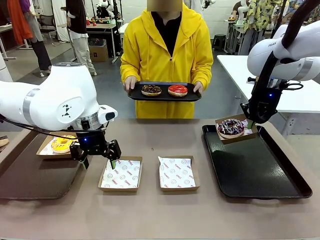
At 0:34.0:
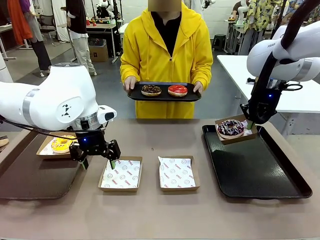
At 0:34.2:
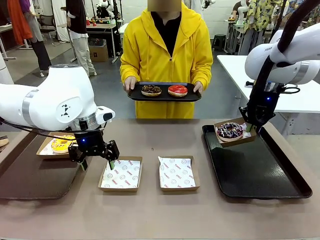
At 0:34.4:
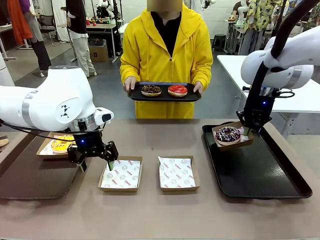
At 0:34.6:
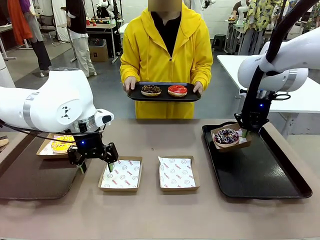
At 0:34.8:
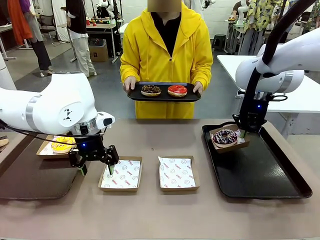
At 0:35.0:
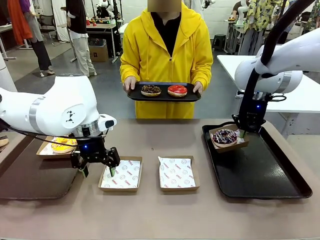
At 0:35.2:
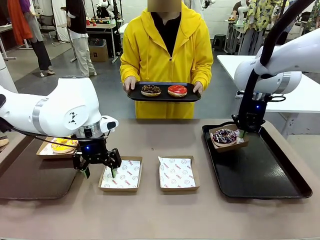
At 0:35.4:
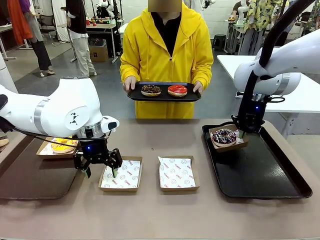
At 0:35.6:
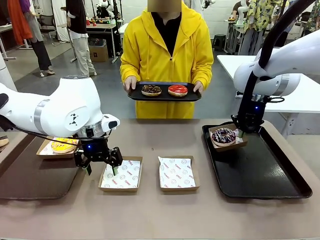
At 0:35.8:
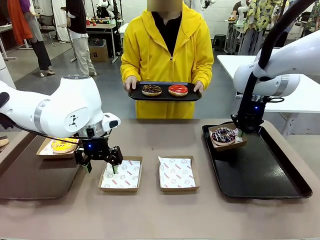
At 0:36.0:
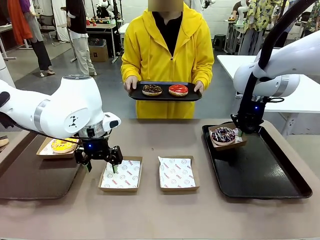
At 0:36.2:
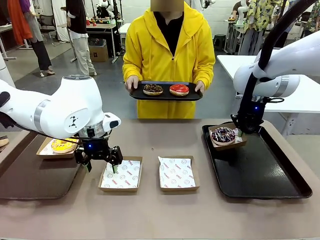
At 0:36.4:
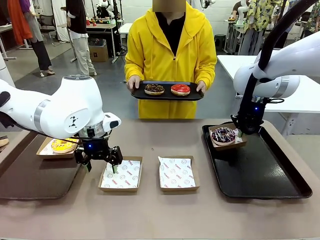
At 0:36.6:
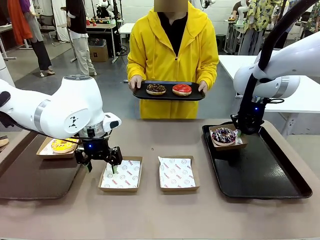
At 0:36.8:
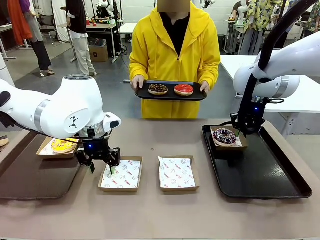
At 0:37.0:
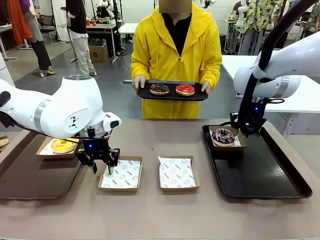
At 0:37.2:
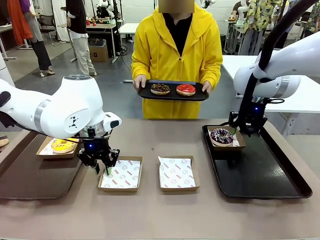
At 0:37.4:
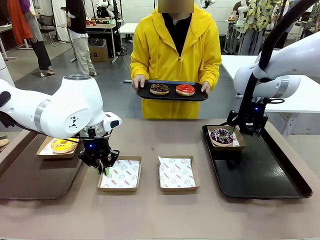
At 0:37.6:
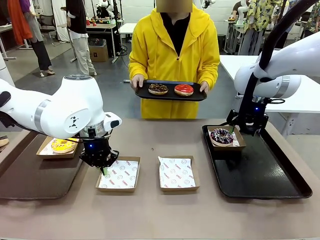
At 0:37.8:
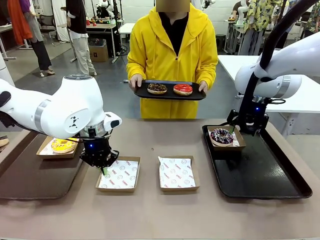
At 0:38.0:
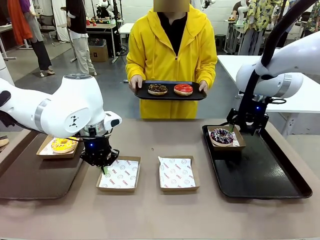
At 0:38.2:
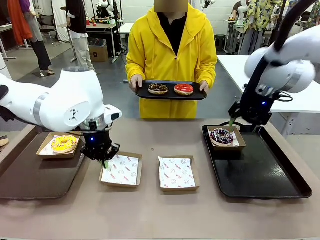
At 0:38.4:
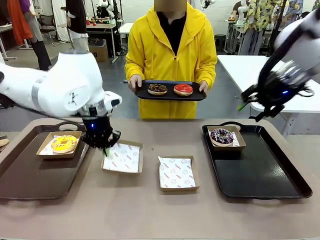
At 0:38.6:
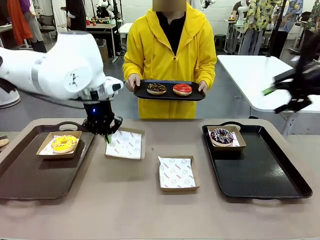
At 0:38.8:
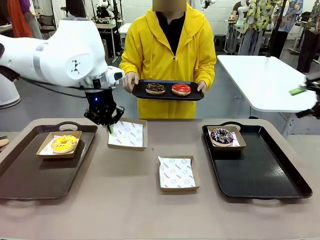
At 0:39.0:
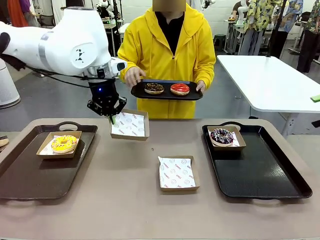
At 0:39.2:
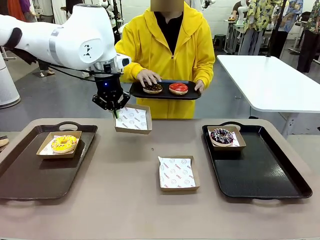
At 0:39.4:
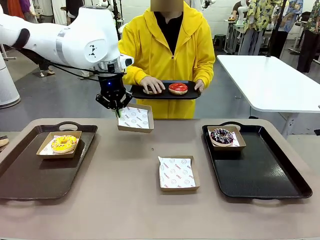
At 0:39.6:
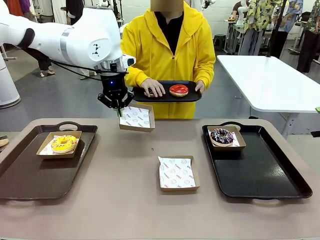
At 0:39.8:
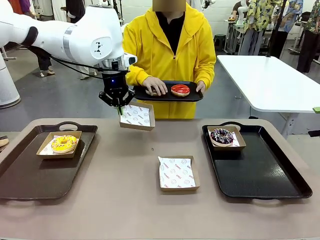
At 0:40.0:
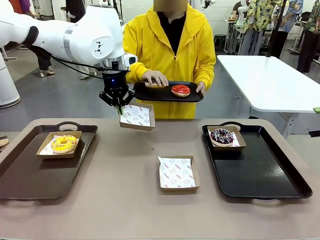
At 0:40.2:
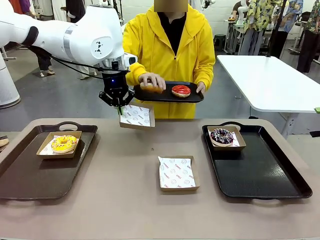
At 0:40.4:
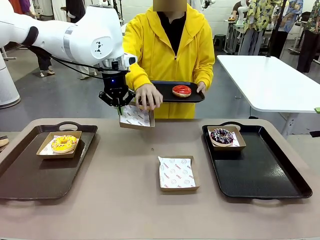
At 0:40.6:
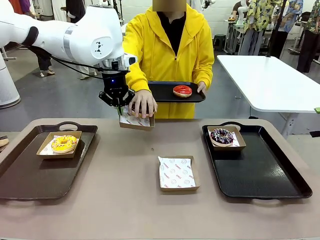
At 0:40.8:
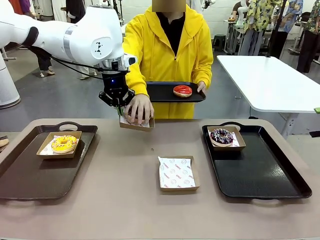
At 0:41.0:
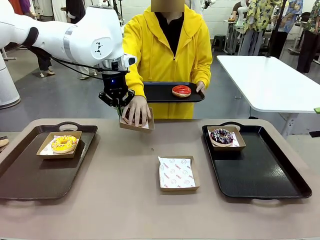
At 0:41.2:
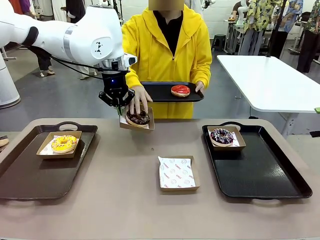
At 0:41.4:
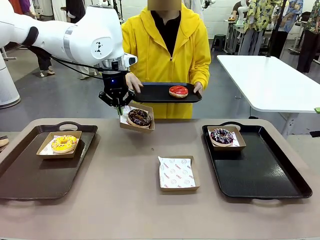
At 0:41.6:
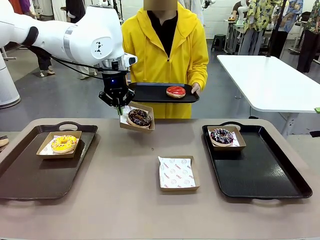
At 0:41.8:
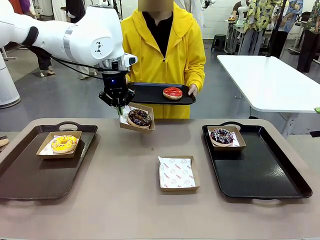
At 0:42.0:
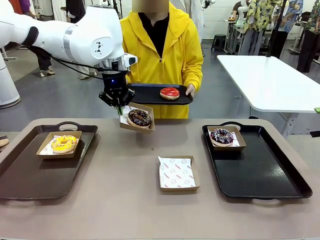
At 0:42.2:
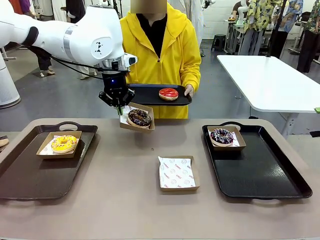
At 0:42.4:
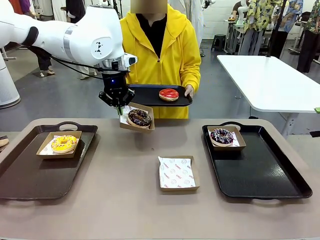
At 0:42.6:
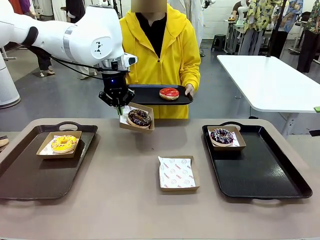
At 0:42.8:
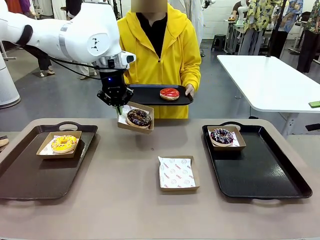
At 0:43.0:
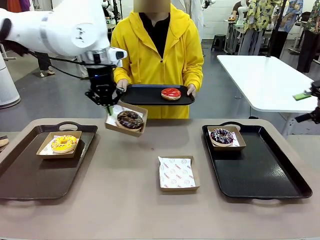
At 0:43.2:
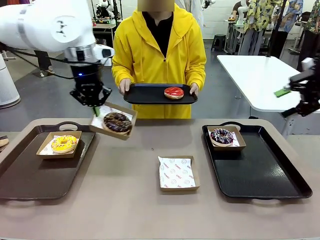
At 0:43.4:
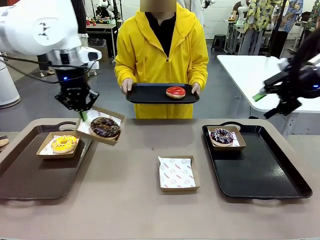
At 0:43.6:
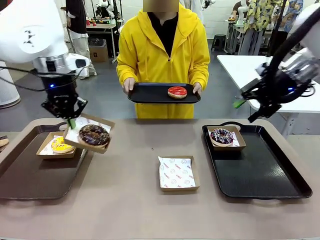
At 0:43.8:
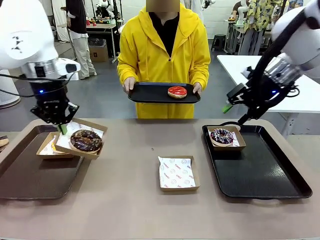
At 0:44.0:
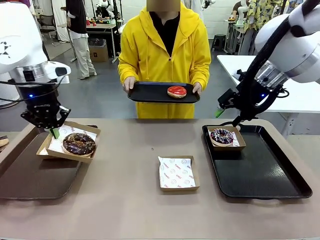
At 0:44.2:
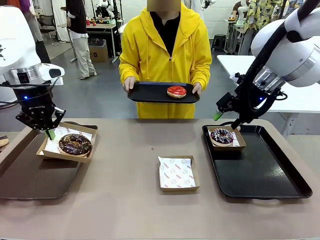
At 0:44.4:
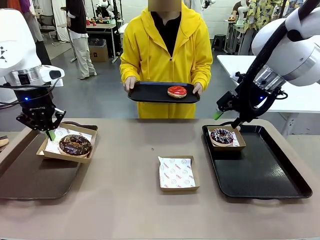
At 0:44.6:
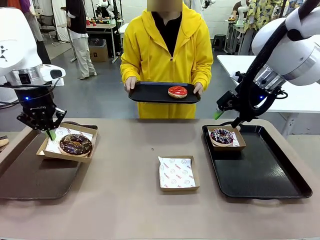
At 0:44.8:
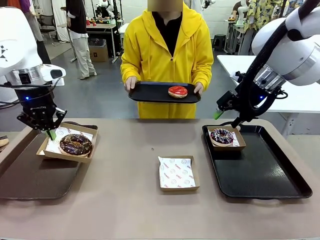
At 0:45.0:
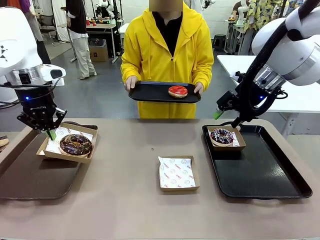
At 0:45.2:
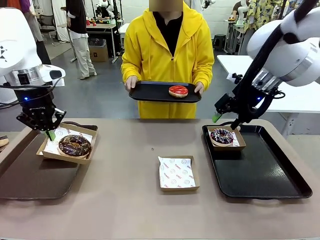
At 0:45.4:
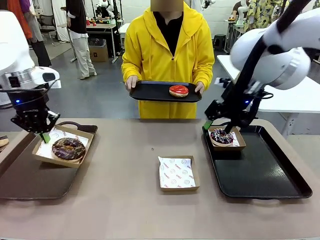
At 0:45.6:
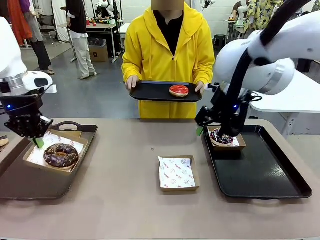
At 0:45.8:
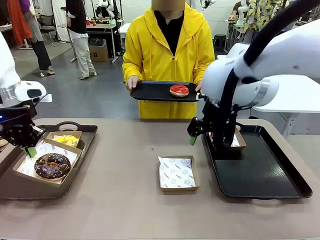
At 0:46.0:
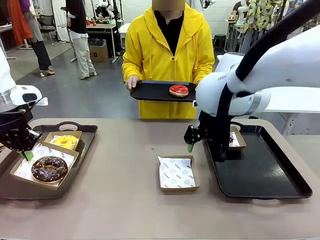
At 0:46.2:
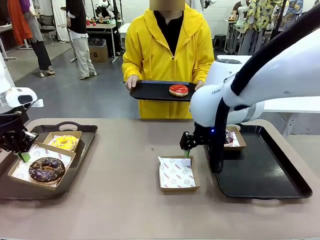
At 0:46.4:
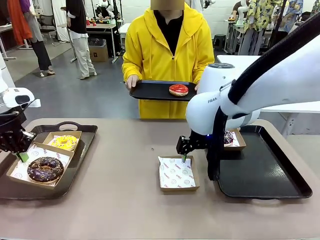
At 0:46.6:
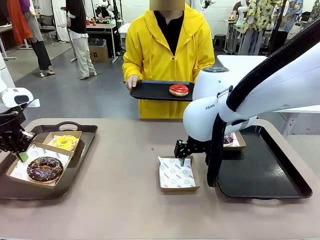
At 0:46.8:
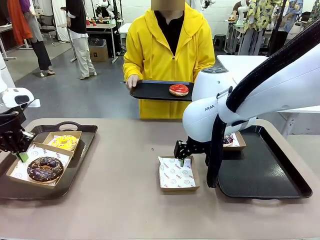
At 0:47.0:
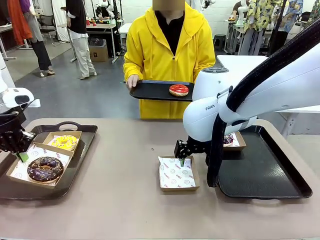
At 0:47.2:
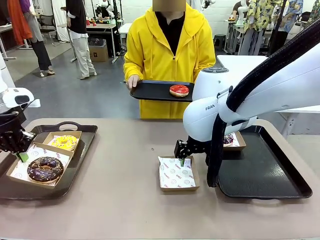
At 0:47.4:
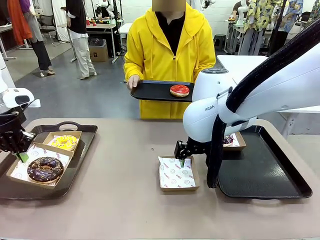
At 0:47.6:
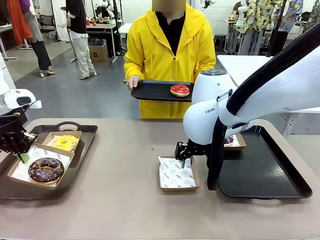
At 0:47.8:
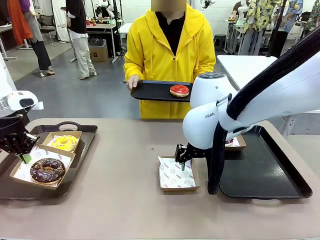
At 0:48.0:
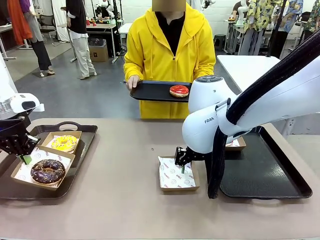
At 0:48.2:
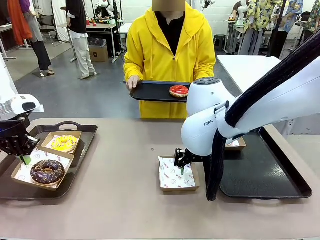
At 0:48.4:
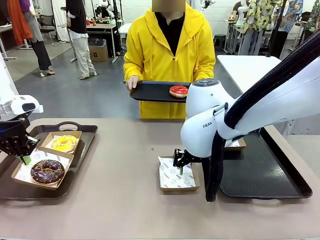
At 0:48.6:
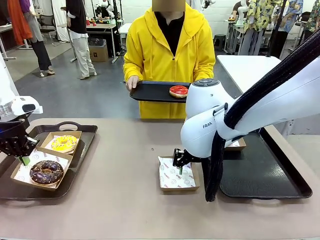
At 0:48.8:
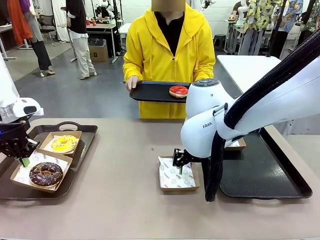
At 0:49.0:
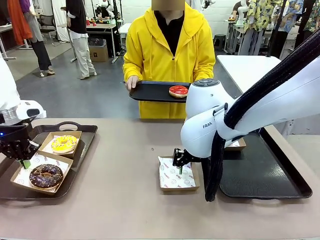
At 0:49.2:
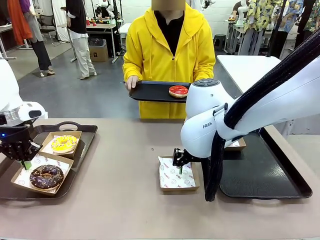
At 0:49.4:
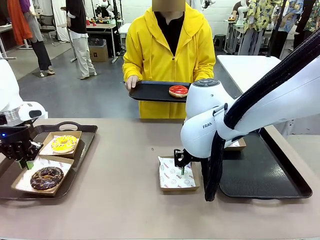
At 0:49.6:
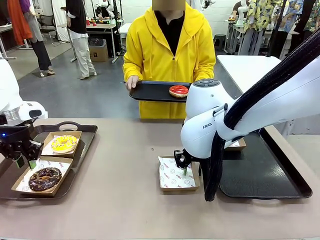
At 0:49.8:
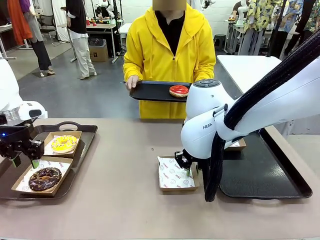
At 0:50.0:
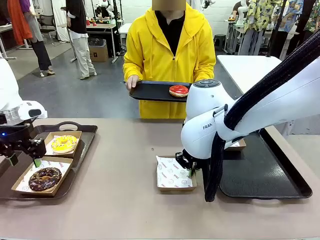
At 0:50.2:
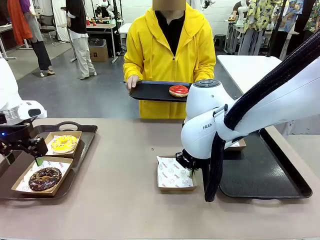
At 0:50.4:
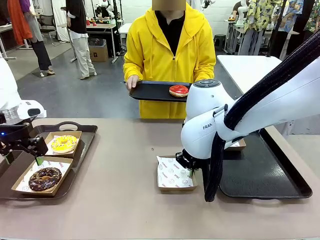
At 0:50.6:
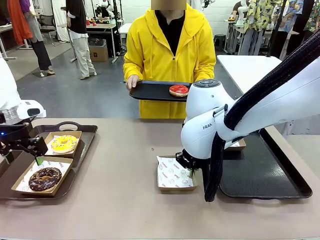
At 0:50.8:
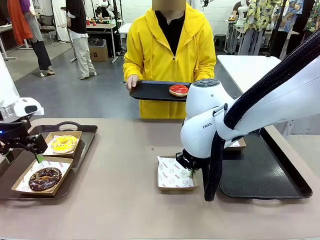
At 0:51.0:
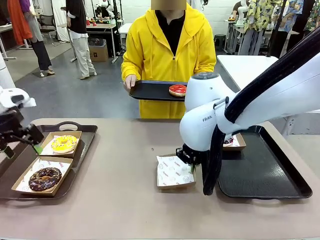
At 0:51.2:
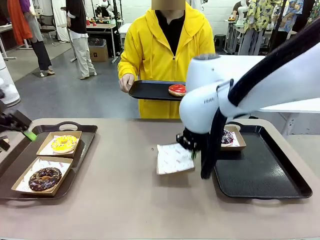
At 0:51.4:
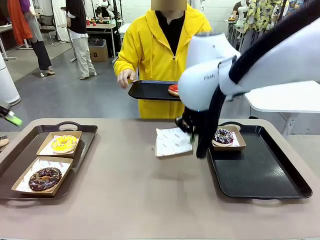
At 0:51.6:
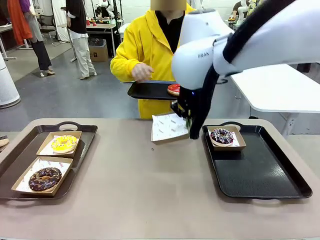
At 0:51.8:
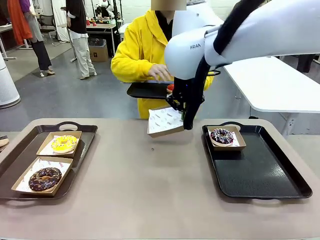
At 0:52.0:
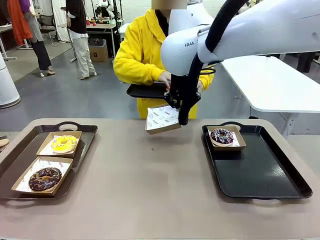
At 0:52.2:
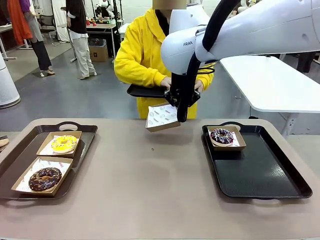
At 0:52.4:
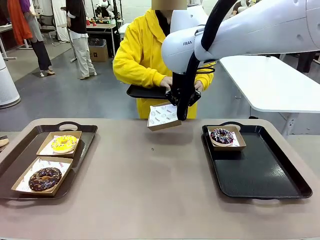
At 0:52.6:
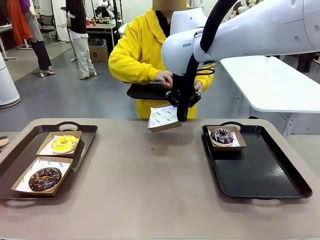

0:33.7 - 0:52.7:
Task: Individually package the donuts and arrange them on the tray.
Robot: Place the picked Paper togo box on the Handle tray while simultaneously picking up another Paper togo box from the table with the other hand.
